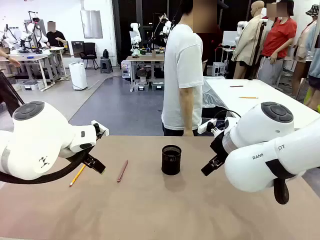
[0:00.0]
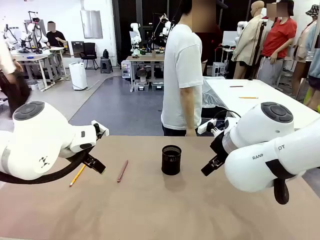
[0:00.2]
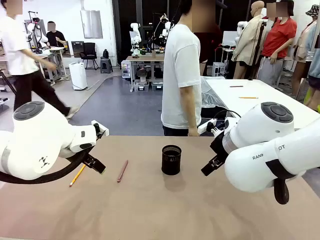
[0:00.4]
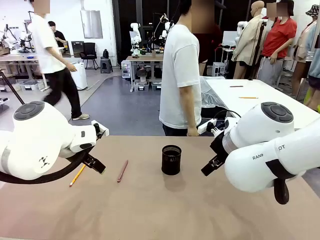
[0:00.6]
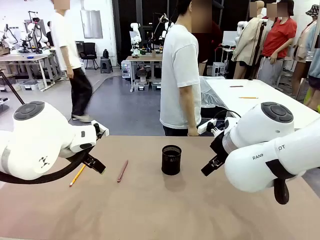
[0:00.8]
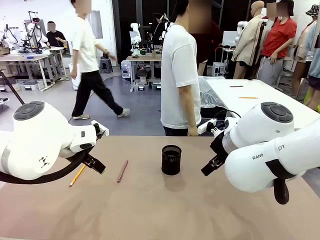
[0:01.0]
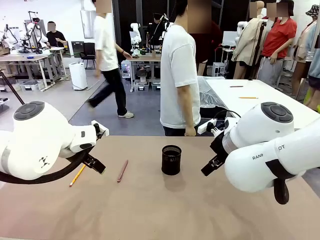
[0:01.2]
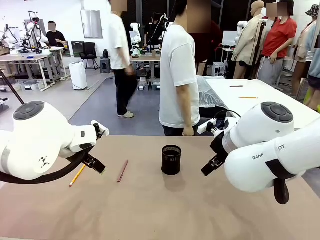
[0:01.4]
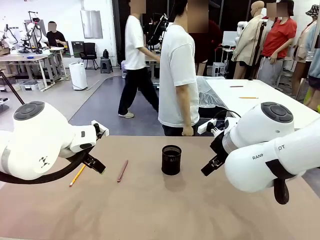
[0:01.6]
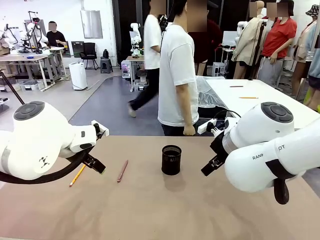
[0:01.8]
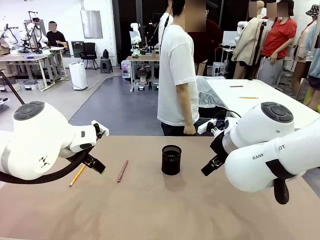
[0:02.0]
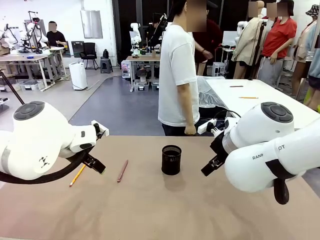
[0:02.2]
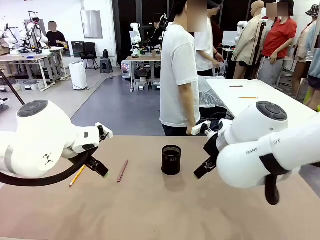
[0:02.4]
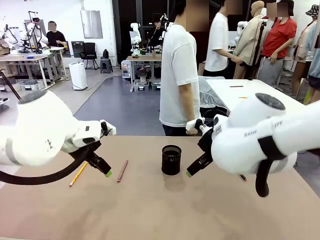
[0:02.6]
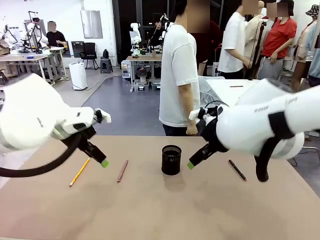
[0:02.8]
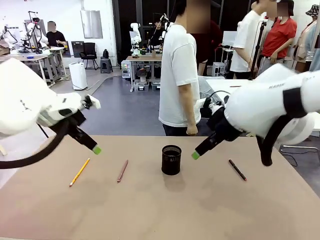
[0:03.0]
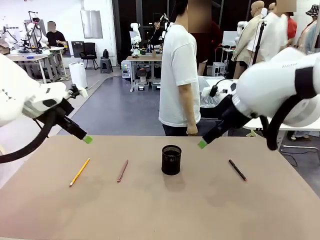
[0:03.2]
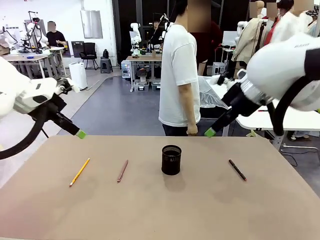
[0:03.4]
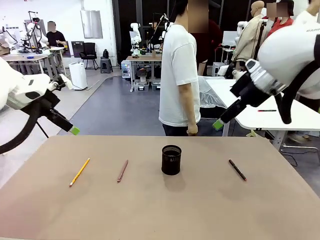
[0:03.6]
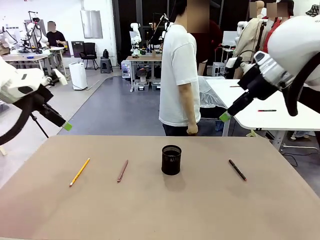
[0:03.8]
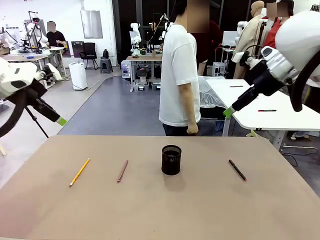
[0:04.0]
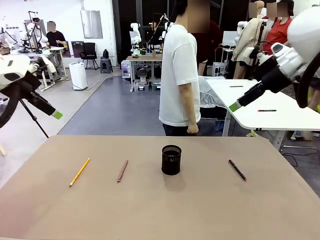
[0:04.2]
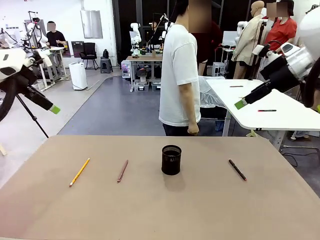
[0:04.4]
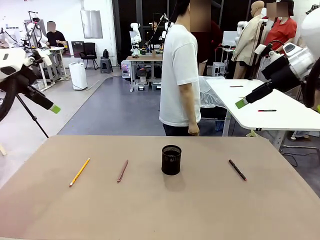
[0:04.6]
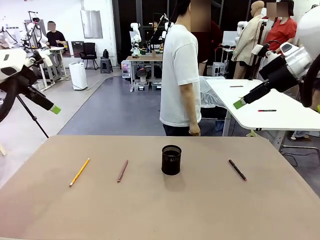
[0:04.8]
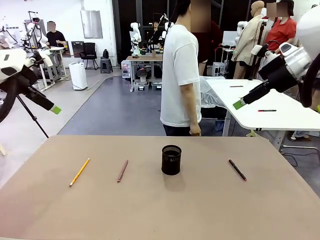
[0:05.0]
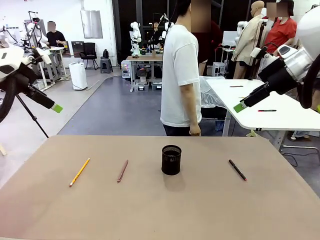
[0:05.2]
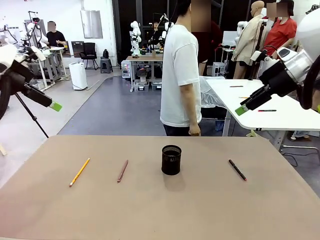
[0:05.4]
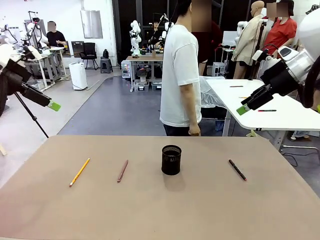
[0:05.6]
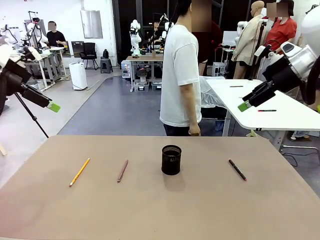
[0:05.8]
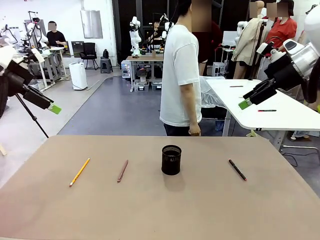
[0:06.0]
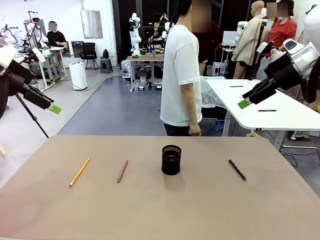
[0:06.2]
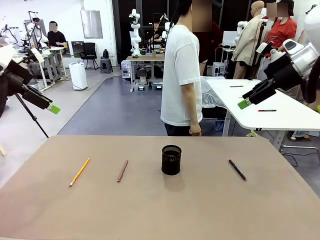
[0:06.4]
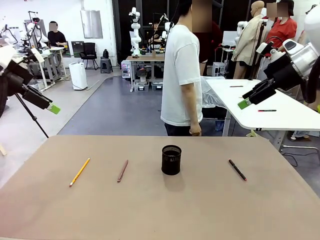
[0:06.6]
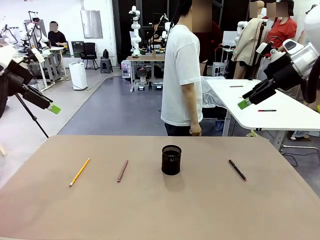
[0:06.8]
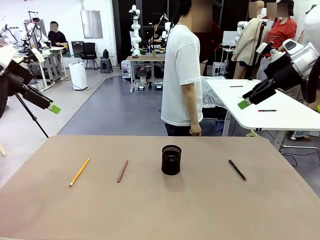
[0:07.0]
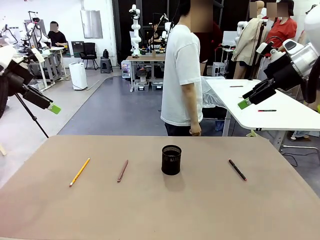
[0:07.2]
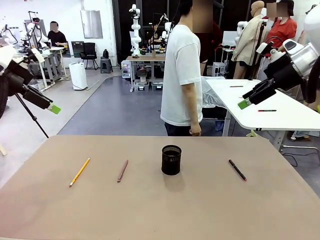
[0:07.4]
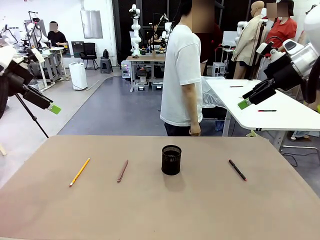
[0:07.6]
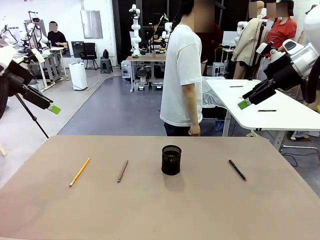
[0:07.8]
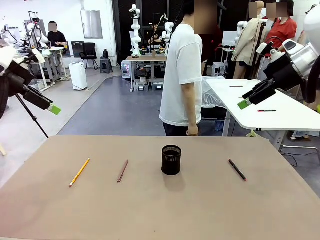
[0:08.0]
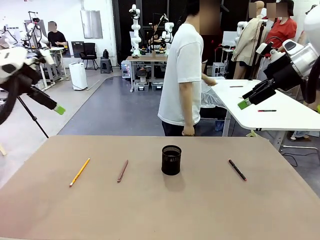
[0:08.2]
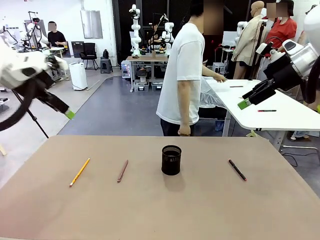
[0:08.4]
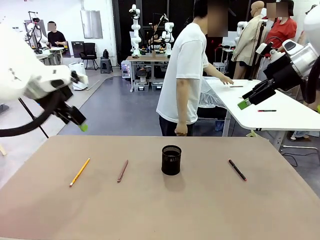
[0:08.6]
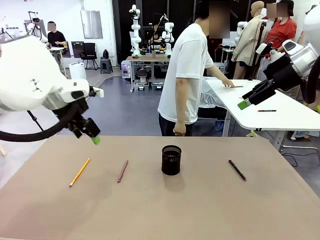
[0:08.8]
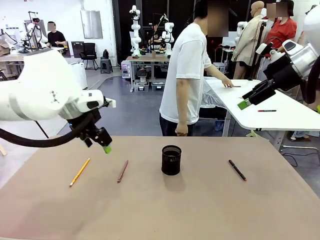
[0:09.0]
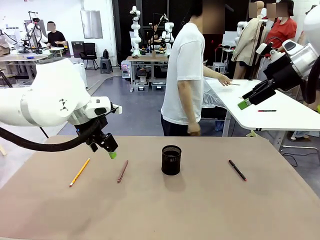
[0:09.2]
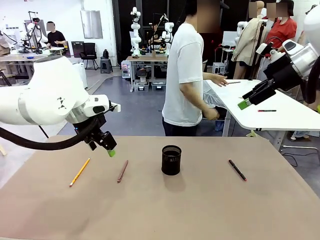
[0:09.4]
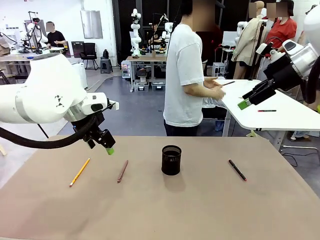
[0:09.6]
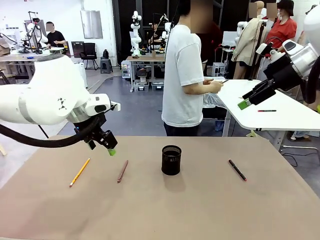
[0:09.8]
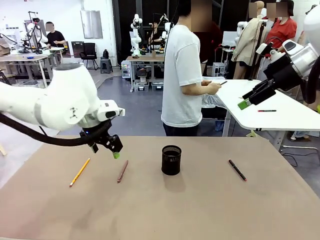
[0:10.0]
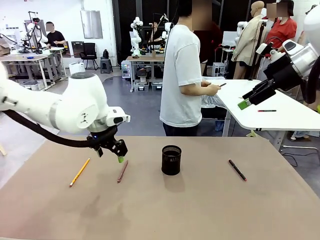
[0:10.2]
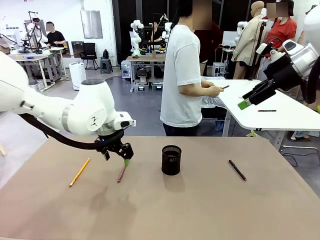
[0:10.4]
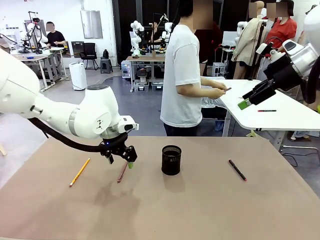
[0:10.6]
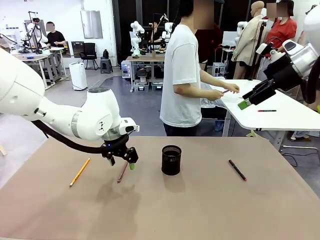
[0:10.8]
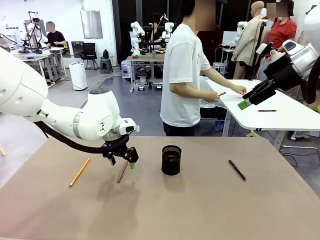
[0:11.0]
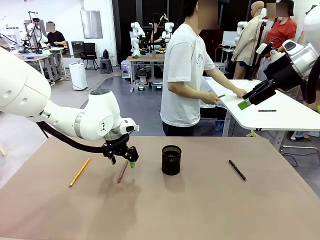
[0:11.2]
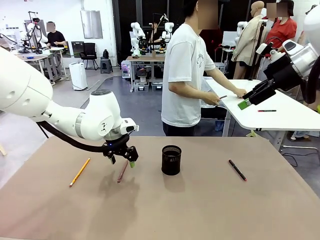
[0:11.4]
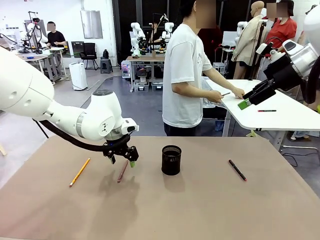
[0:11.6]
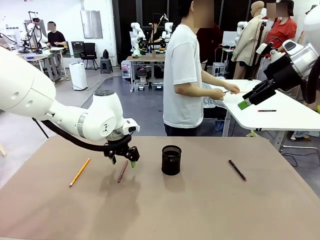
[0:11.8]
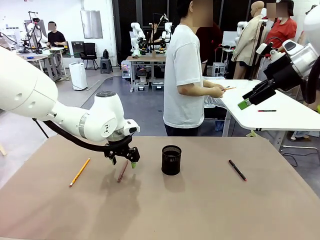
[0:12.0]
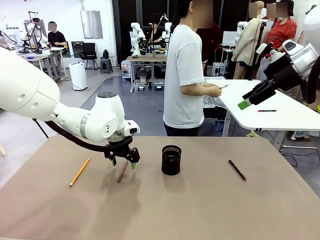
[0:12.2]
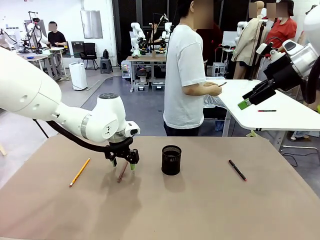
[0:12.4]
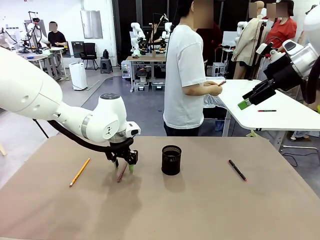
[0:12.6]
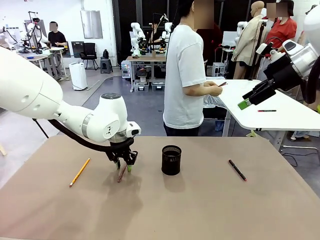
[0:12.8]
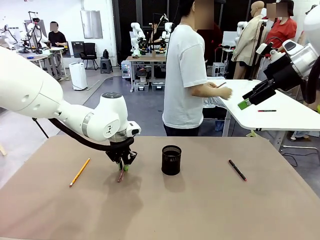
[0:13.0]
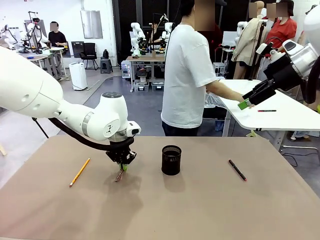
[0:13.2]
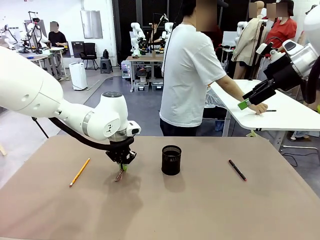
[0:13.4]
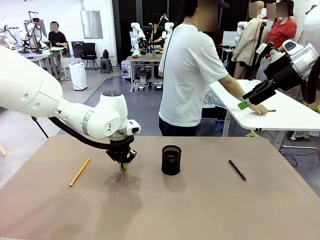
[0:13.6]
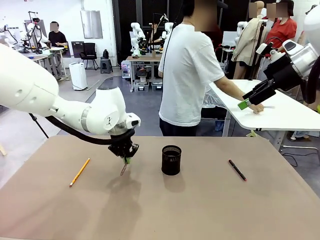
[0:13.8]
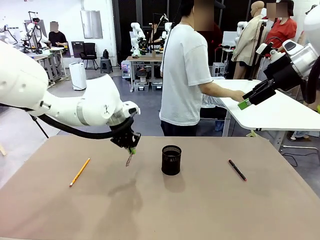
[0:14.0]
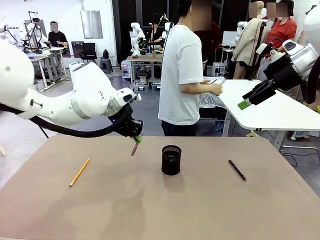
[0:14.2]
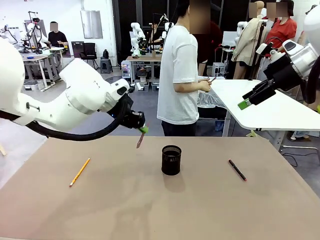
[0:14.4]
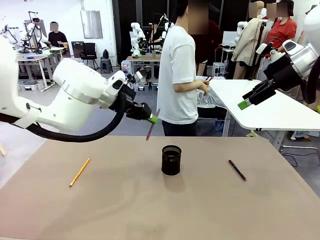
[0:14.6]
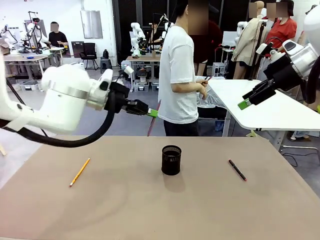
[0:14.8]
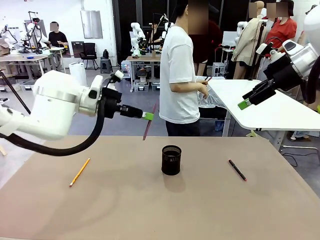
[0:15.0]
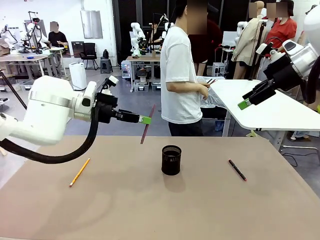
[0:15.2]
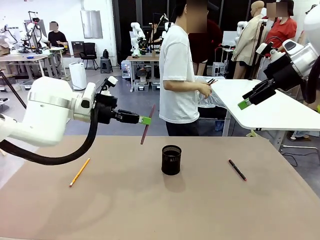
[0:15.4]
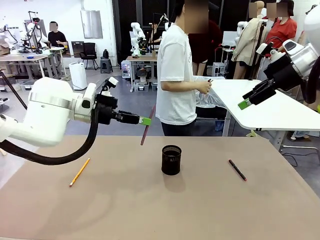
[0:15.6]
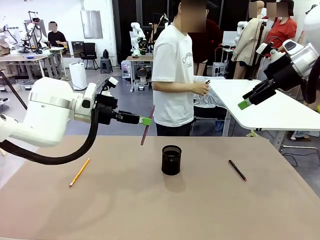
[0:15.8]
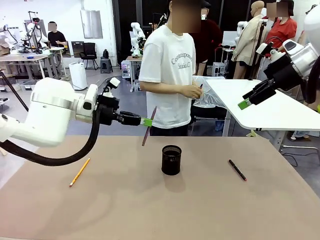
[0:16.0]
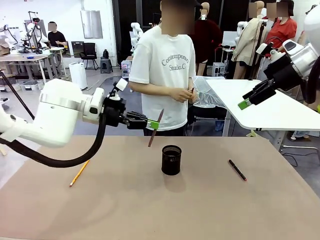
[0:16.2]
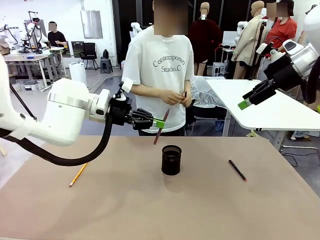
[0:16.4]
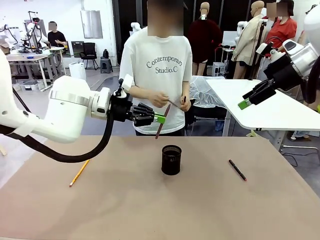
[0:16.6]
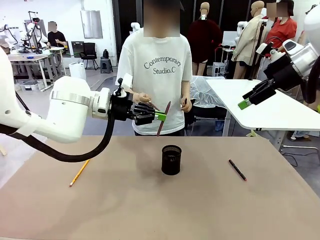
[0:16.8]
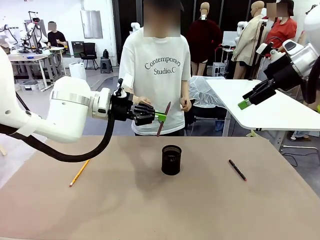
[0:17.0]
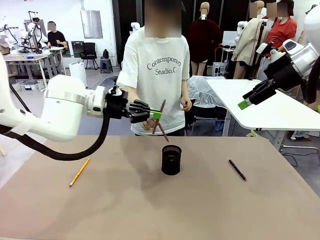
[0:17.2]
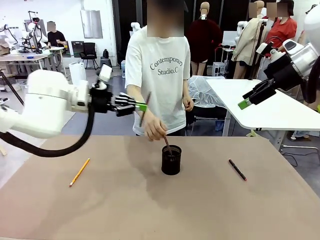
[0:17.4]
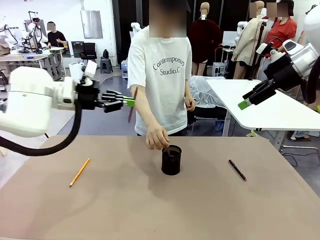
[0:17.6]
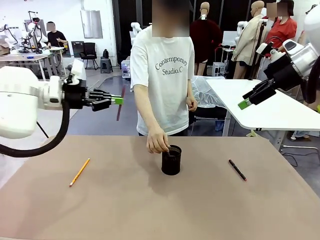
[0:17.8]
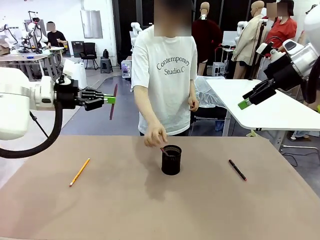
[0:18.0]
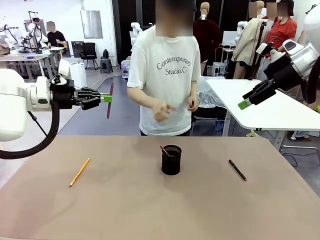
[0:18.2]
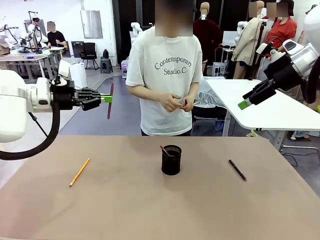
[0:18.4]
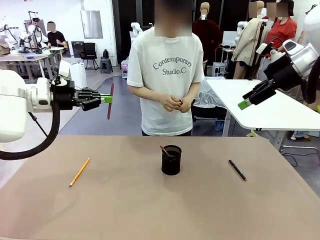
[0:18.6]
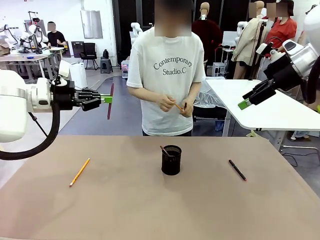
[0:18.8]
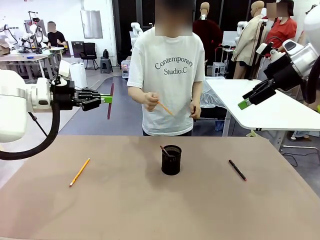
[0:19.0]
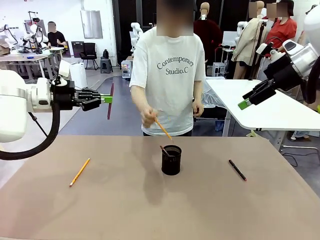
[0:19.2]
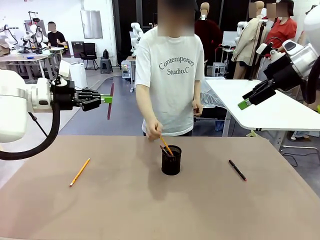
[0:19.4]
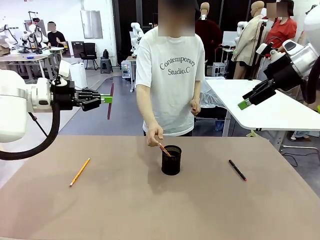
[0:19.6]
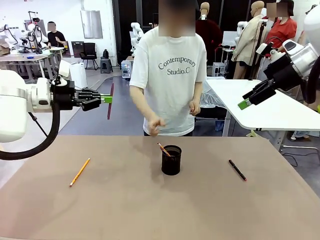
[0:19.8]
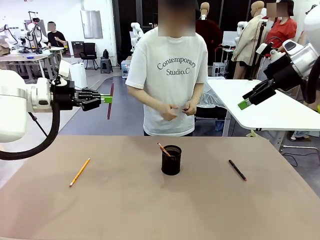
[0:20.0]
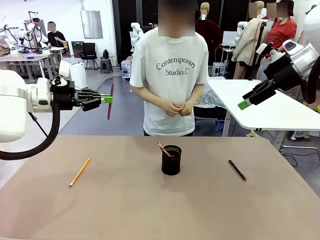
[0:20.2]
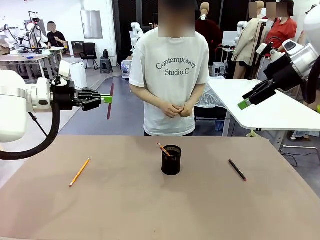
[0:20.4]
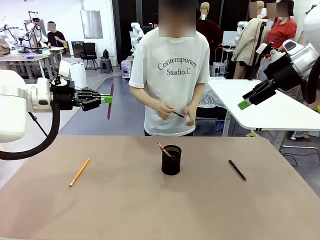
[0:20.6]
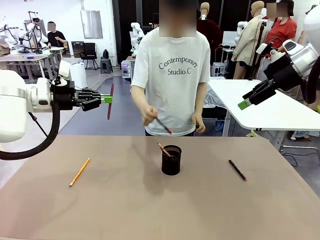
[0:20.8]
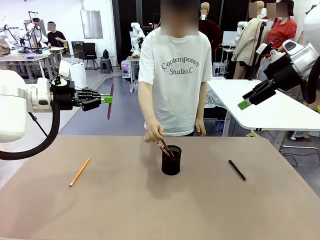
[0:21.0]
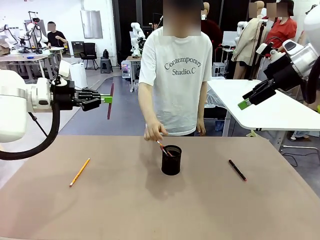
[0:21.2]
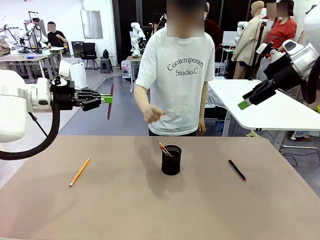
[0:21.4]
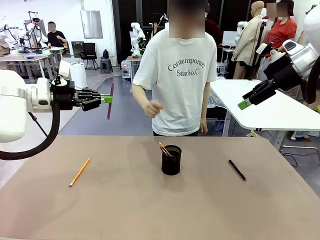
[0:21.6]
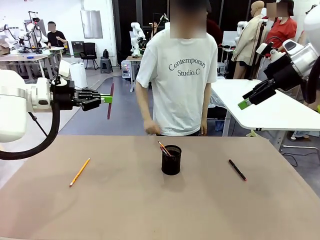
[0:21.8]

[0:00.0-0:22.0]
Task: Place the pens into the pen holder.
Robot: Pick up a writing instrument from the table and place it into the Pen holder.
Person: Pick up all writing instruments from the Human table.
